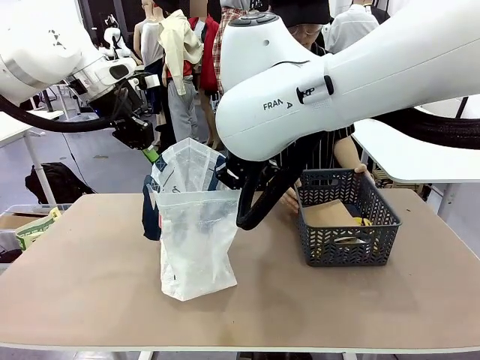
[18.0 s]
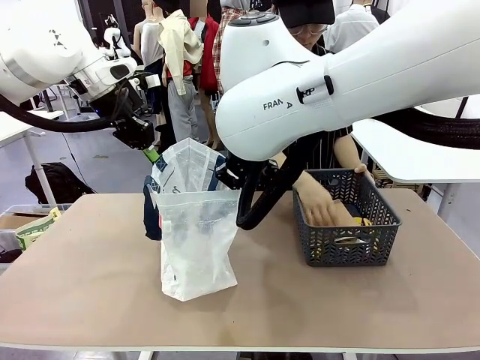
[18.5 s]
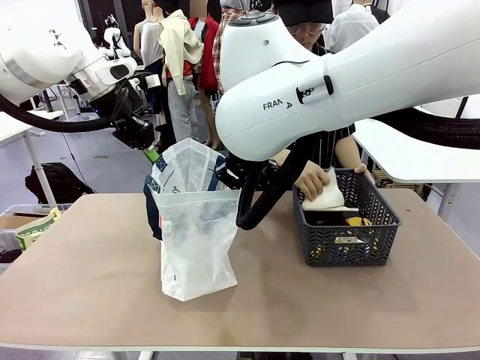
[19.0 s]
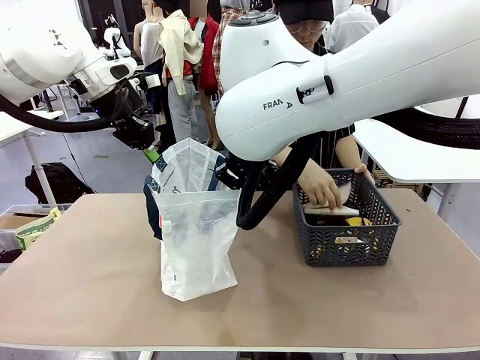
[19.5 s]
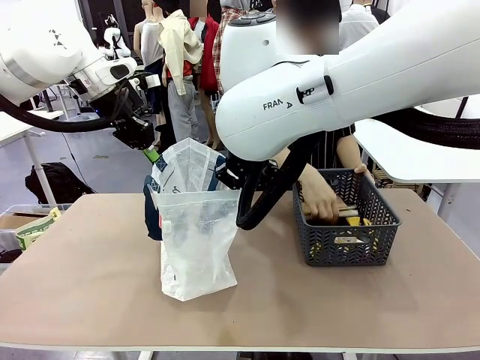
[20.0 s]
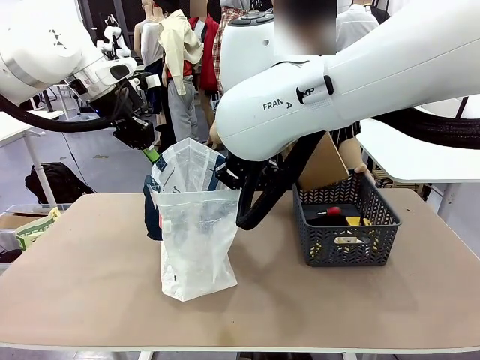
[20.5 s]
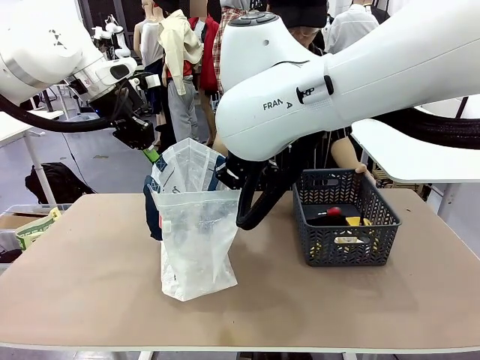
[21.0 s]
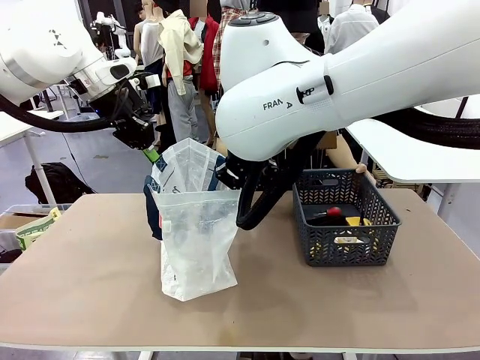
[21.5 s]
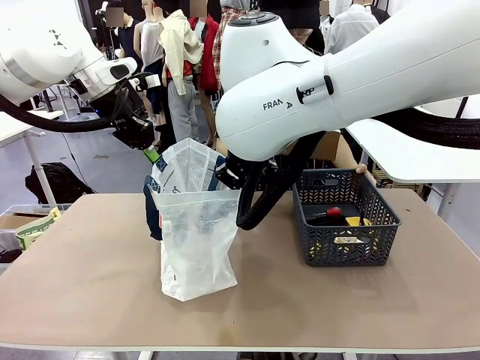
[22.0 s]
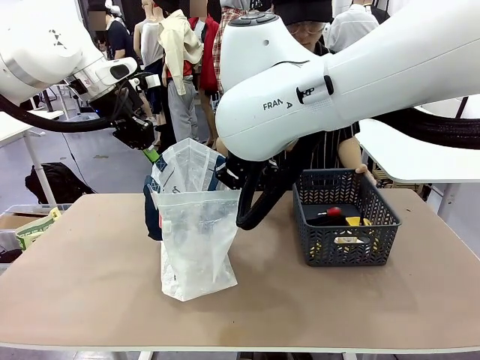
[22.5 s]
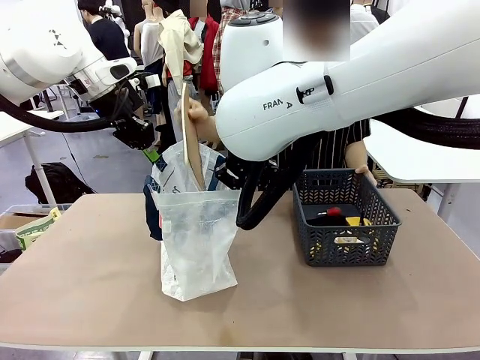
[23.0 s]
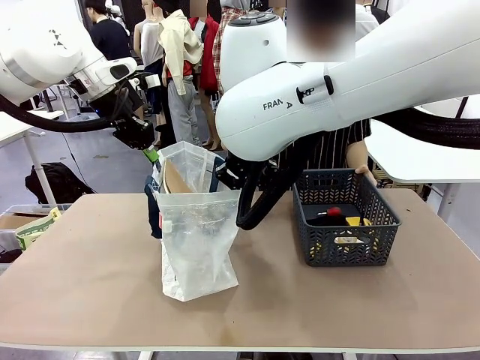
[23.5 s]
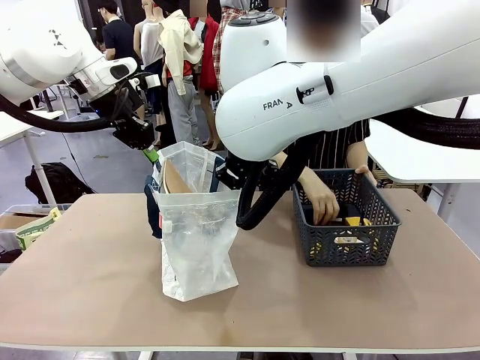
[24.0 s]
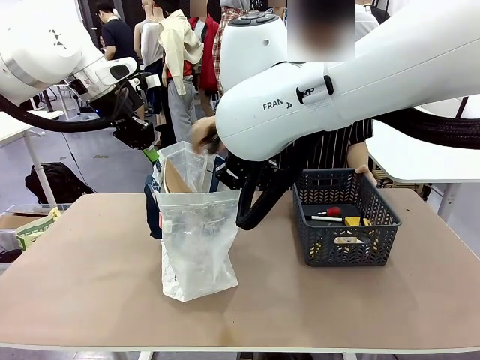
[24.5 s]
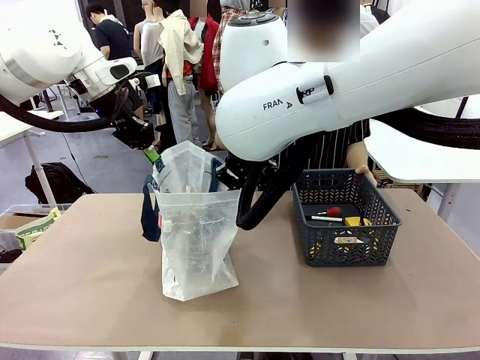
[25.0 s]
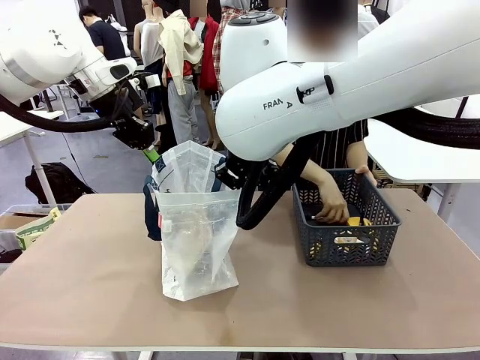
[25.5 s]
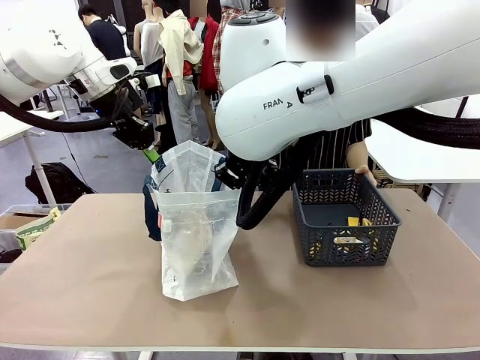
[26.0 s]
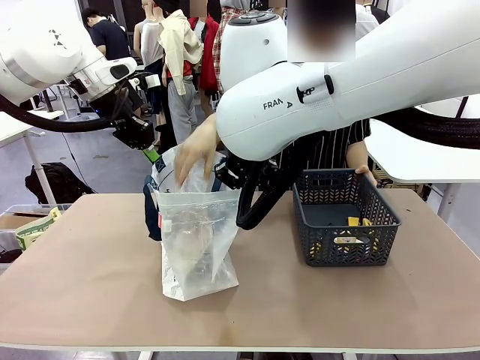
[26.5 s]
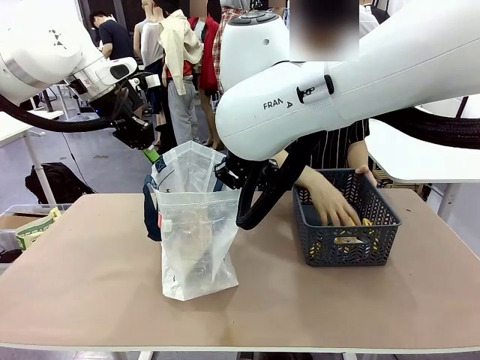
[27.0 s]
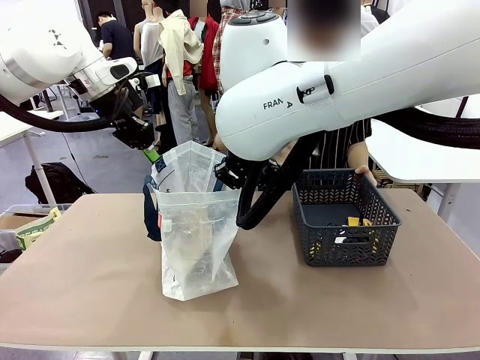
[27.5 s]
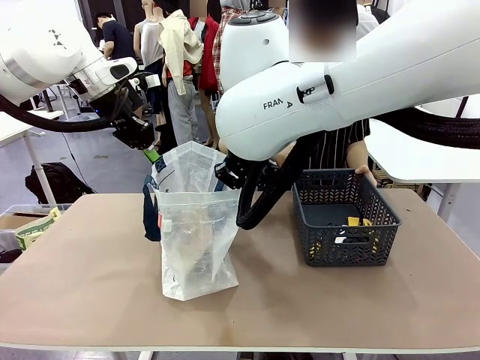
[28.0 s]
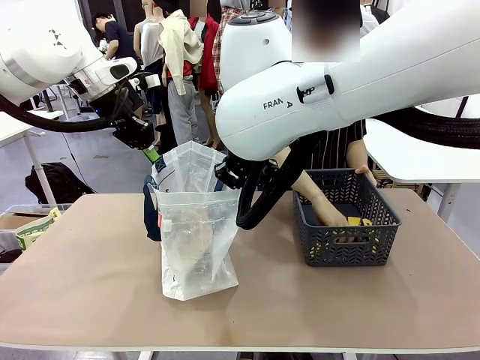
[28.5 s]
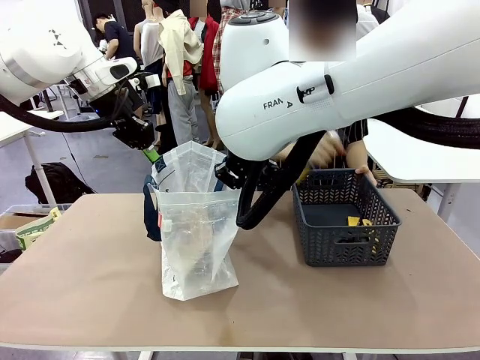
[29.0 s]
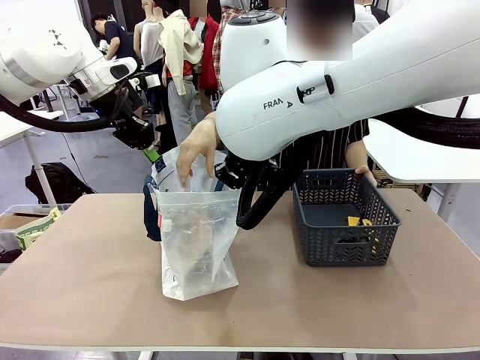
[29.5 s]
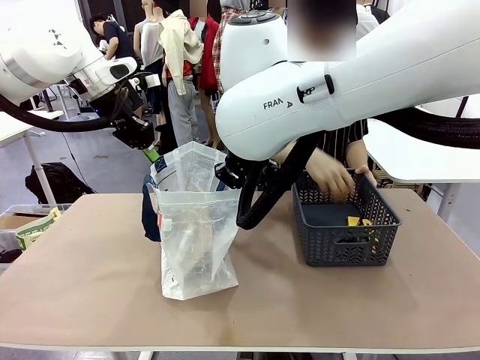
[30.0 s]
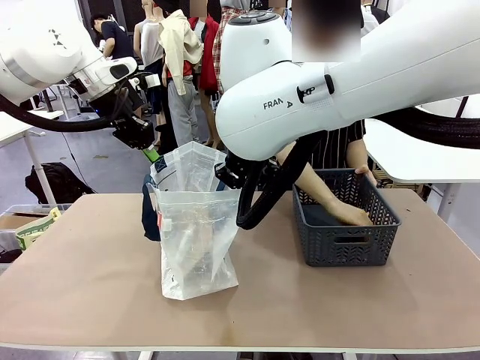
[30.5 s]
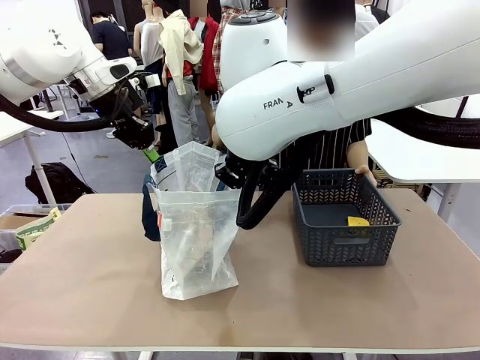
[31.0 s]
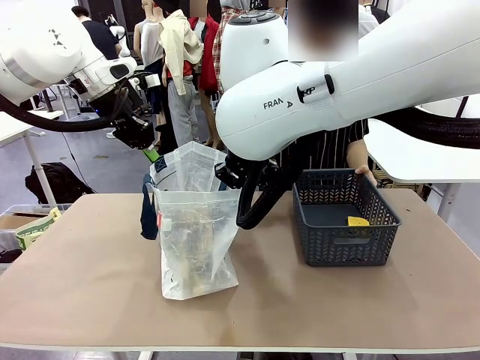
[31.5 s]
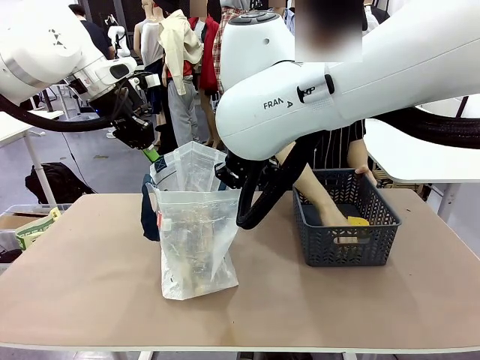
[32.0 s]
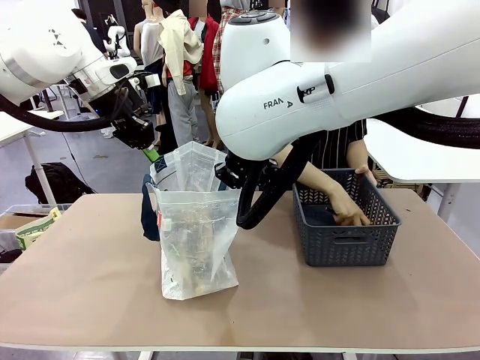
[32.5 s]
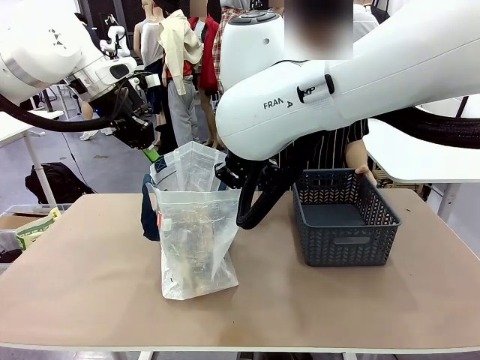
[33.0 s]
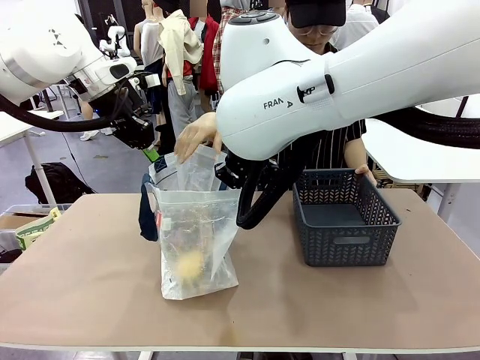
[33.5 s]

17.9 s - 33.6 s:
Task: Transfer purchased items from the store into the shopping bag.
Robot: Move the Reusable shopping bag to the right side of the table.
Person: Pick up the basket with the items out and place it on the right side of the human table.

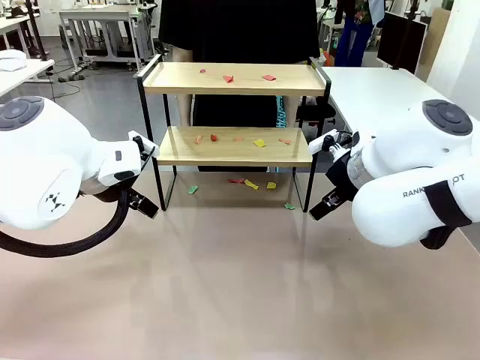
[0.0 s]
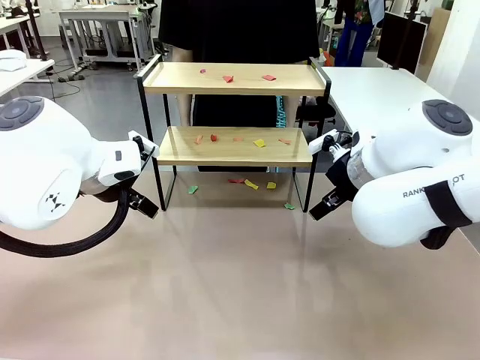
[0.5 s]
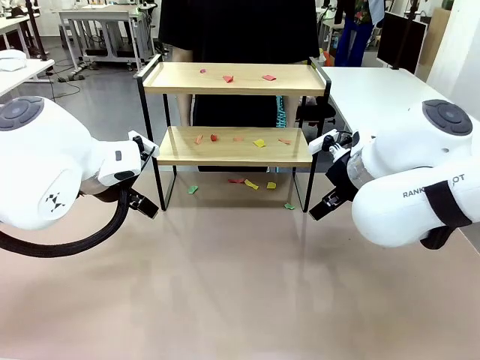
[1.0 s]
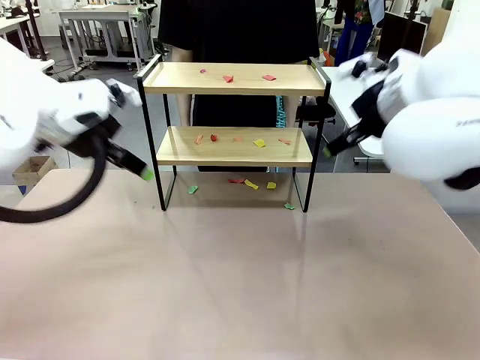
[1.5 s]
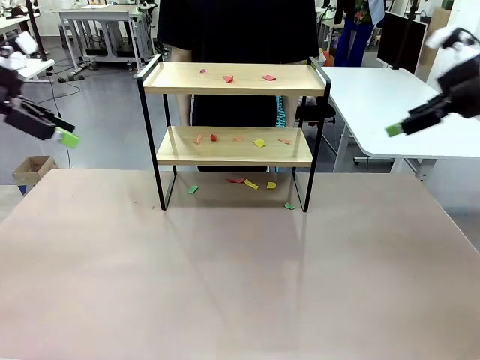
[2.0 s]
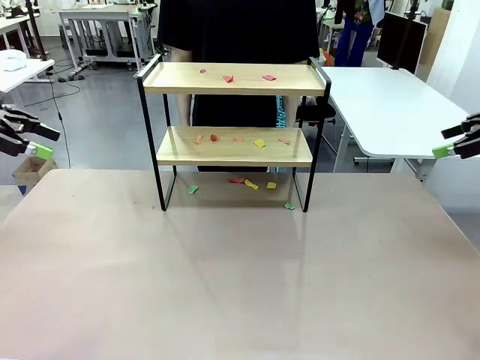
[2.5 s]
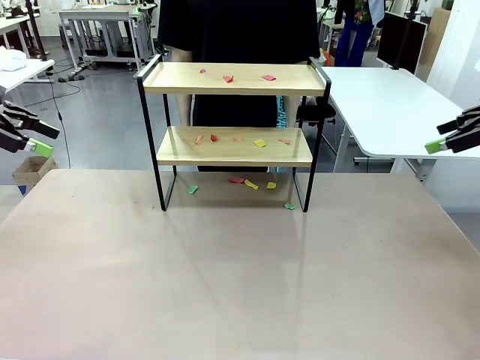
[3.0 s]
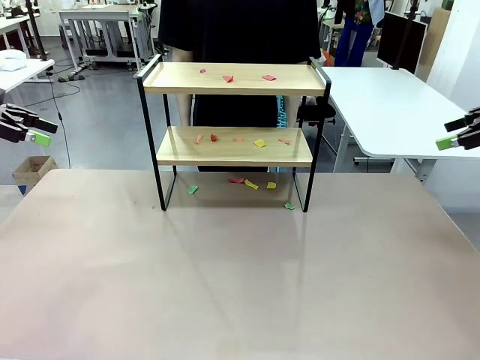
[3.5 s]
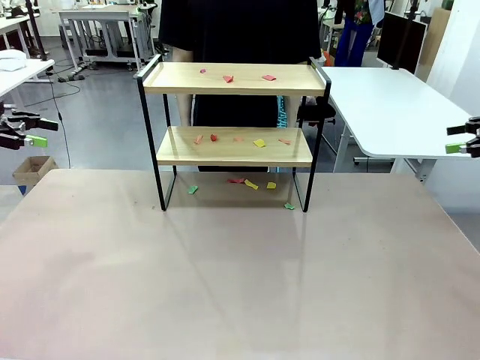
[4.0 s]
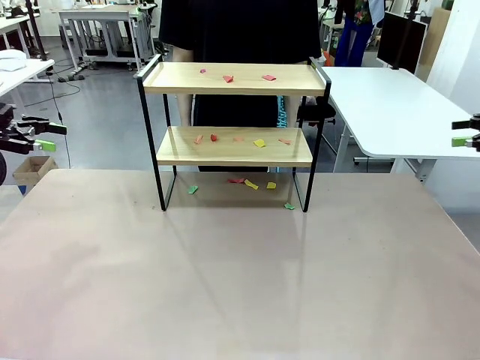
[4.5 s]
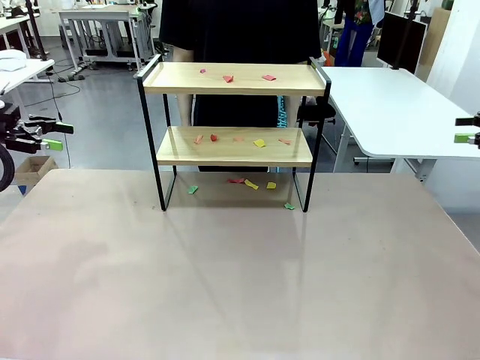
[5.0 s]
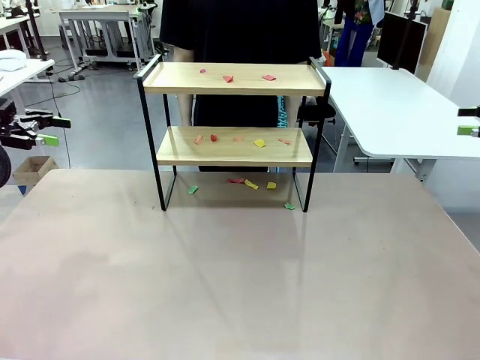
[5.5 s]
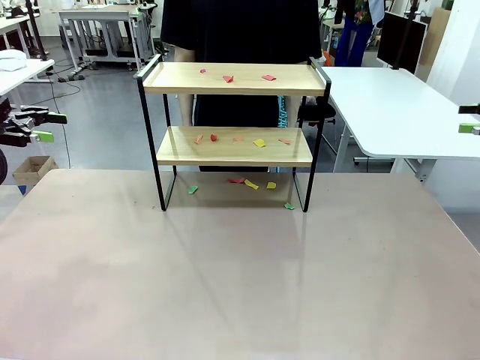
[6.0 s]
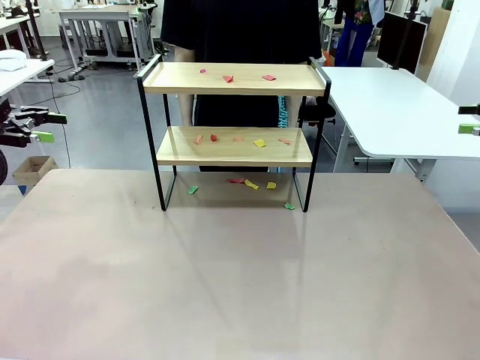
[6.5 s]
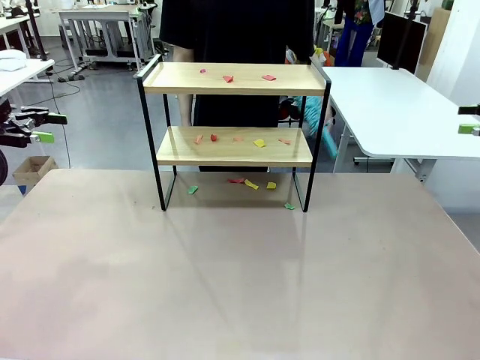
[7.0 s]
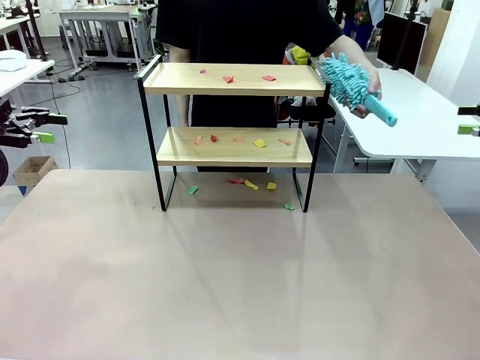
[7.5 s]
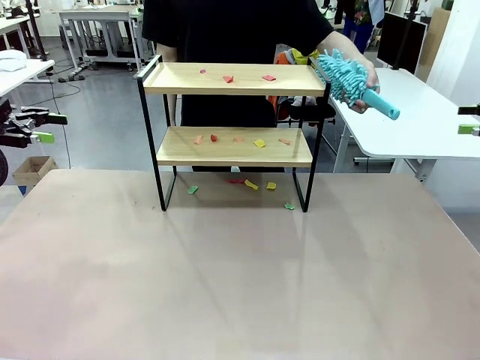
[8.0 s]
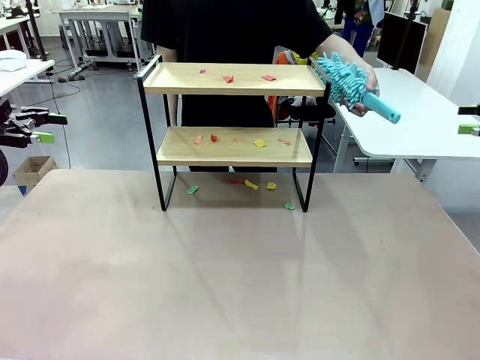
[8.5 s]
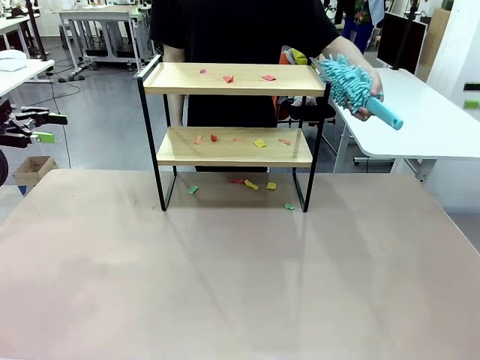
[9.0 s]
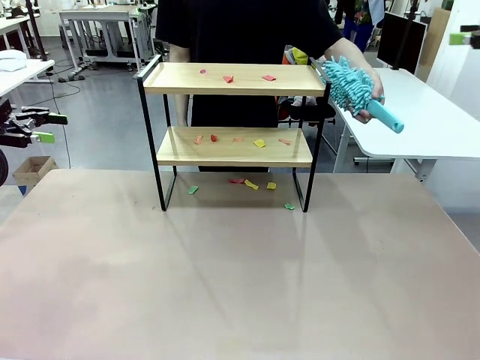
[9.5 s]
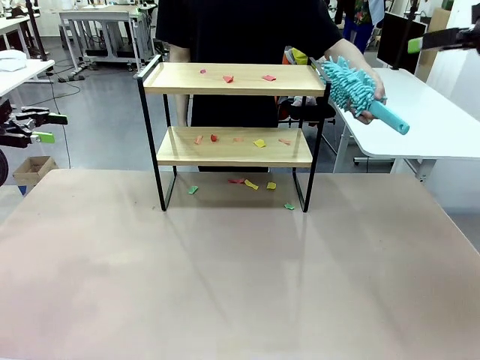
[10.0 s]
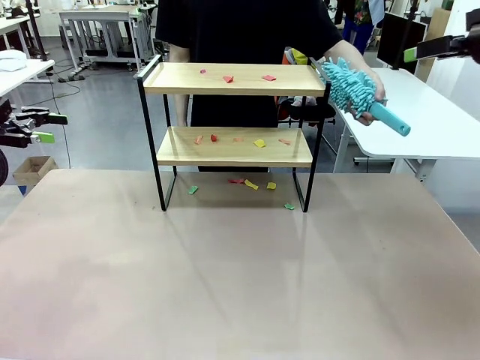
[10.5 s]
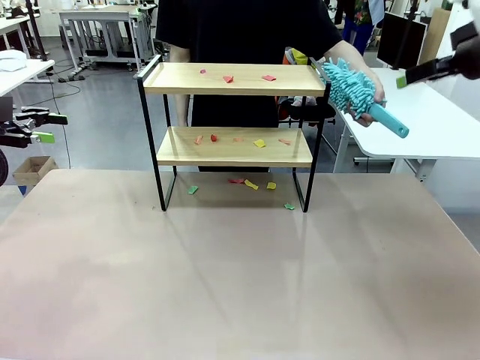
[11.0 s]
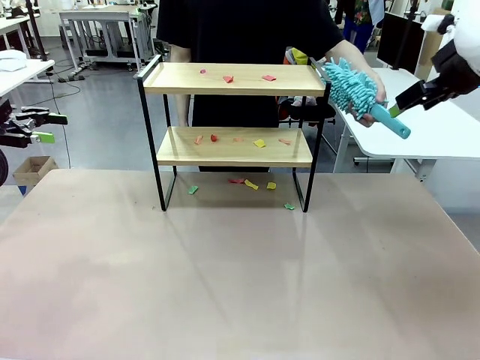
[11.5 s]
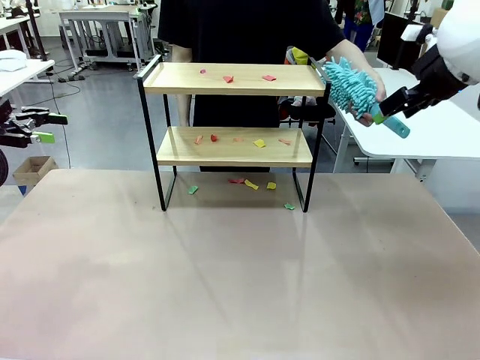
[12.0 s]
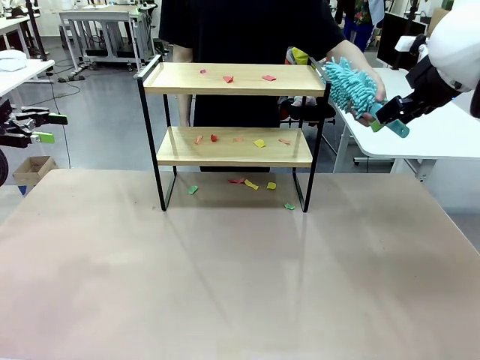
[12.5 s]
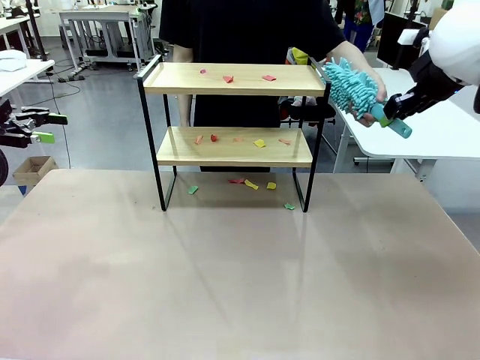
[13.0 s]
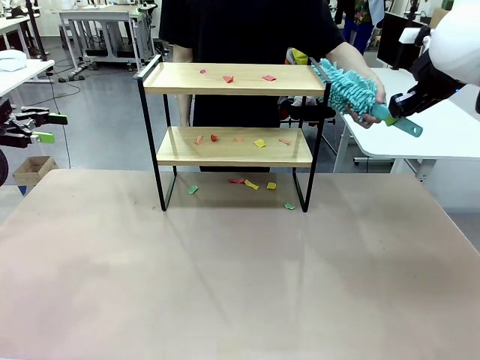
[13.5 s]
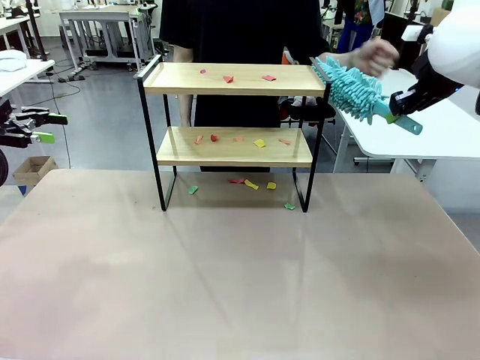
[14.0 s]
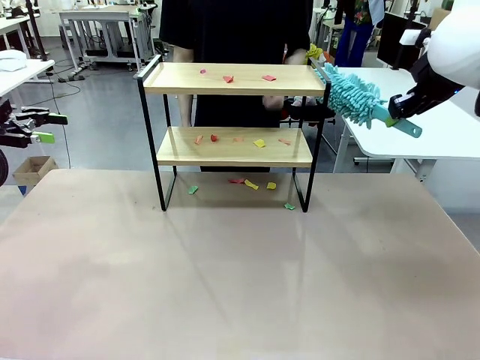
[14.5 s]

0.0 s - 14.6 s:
Task: Clean the shelf.
Robot: Pick up the Duster handed by the human.
Person: Hand the Duster to the robot.
